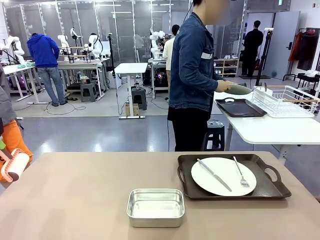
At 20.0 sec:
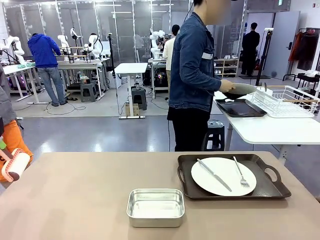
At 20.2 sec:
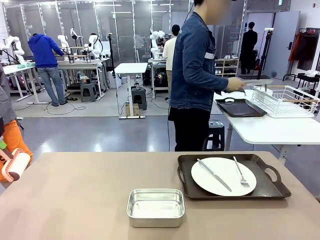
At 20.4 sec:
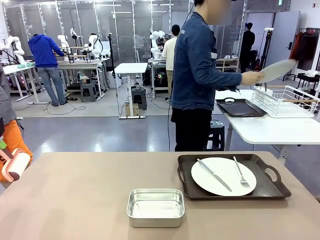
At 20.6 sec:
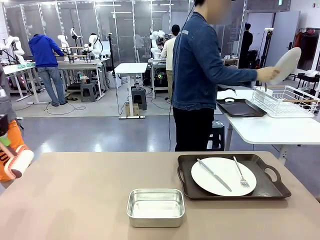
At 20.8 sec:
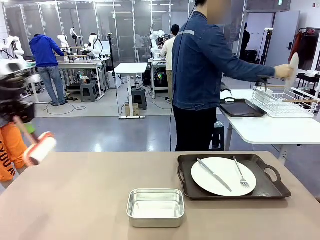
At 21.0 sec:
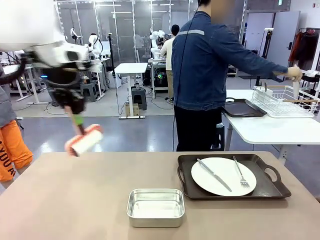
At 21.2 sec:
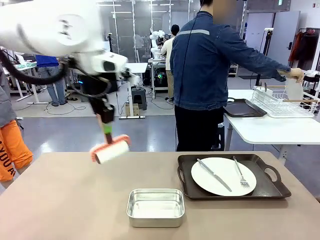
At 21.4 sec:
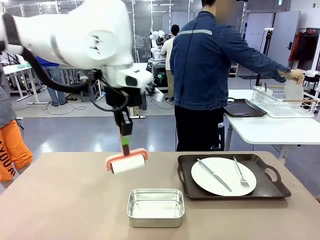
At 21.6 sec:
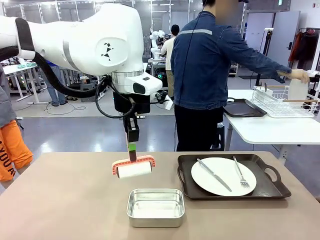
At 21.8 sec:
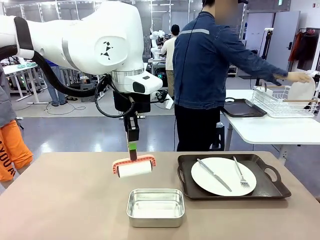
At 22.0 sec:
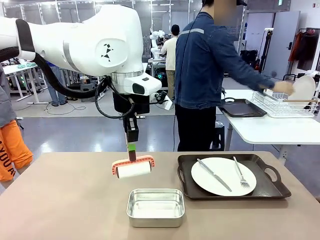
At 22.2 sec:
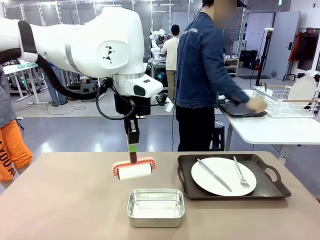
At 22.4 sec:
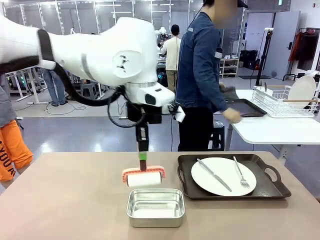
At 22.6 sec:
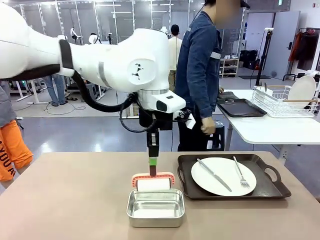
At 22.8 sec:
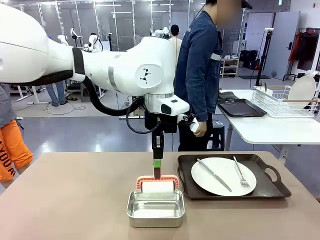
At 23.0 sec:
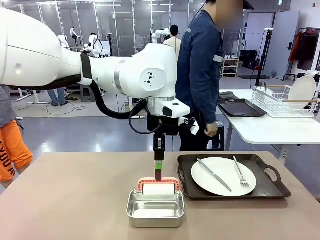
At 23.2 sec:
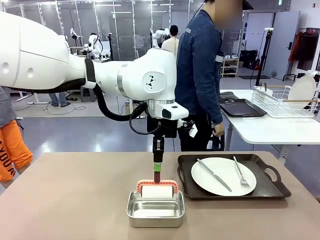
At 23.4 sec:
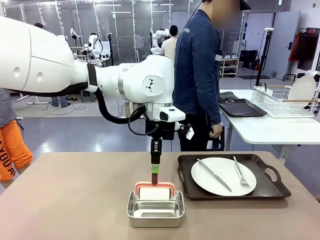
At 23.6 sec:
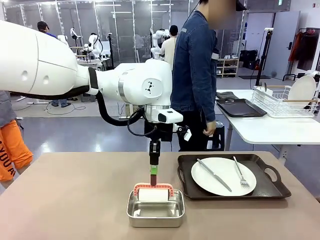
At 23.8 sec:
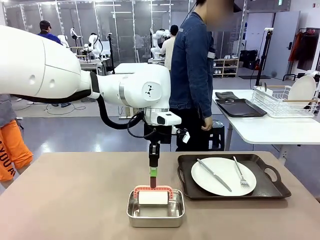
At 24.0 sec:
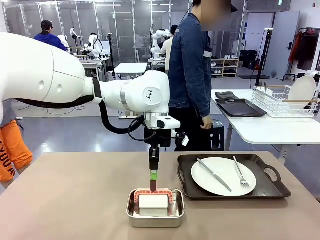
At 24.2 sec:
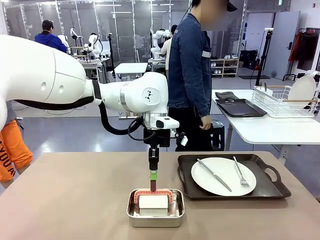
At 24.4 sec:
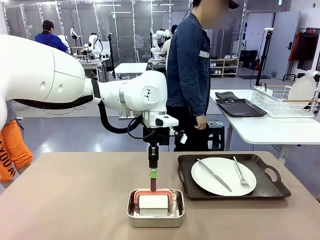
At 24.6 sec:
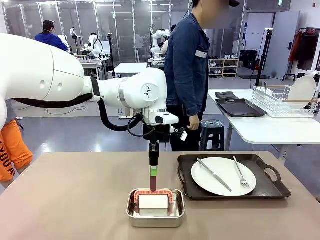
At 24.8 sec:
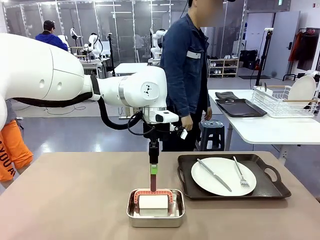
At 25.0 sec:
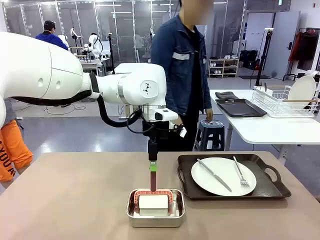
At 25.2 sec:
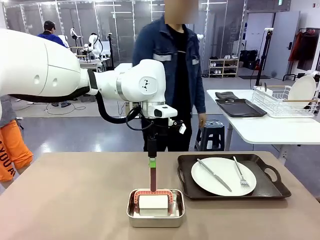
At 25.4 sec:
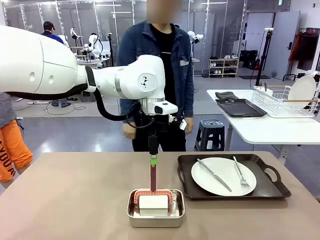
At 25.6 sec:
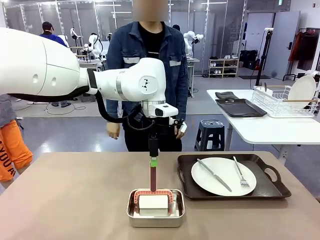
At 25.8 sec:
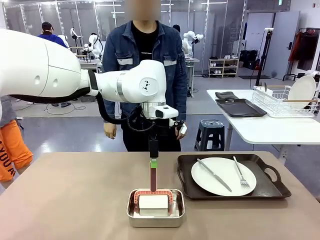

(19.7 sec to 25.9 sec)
Robot: Place the Lint Roller back on top of the Airtight Container.

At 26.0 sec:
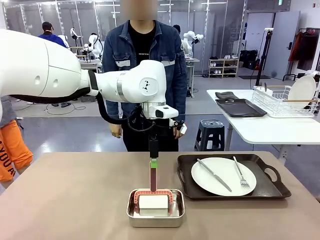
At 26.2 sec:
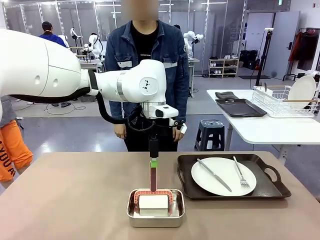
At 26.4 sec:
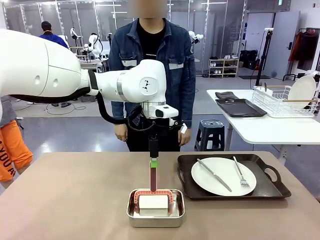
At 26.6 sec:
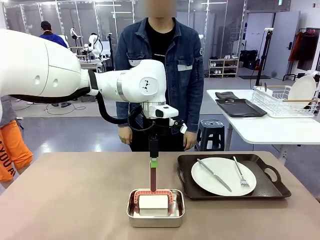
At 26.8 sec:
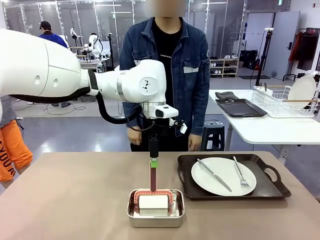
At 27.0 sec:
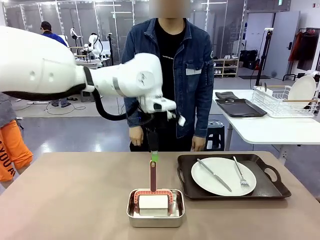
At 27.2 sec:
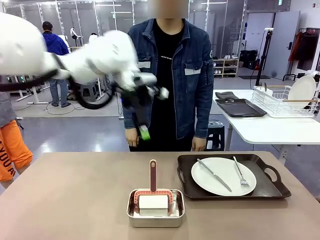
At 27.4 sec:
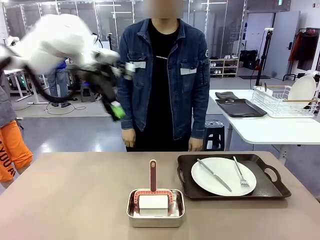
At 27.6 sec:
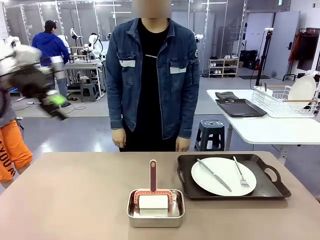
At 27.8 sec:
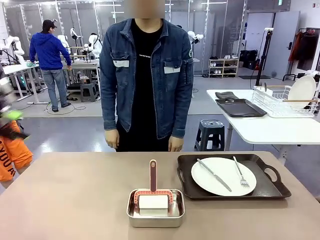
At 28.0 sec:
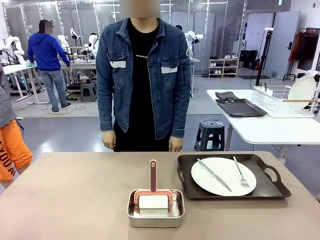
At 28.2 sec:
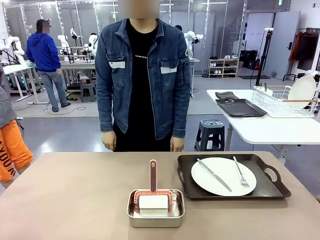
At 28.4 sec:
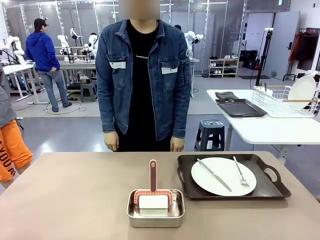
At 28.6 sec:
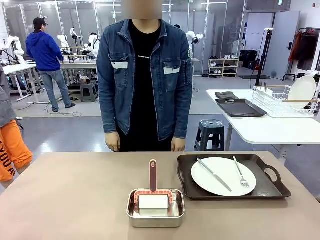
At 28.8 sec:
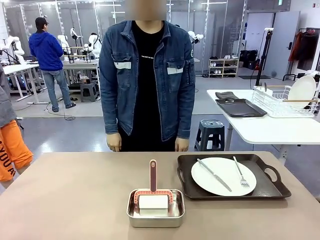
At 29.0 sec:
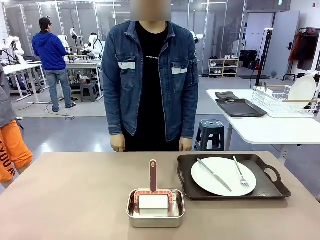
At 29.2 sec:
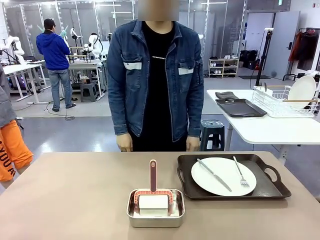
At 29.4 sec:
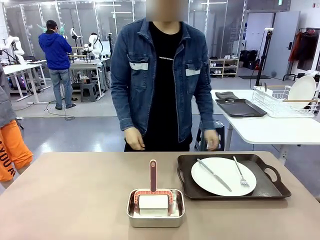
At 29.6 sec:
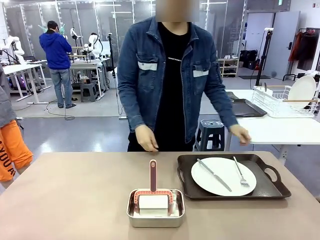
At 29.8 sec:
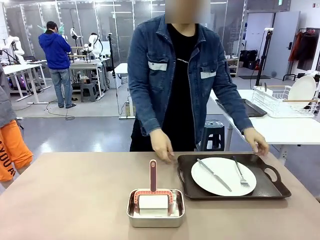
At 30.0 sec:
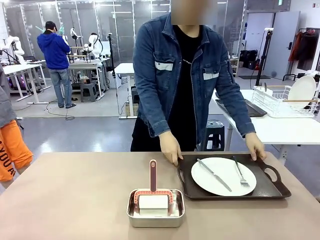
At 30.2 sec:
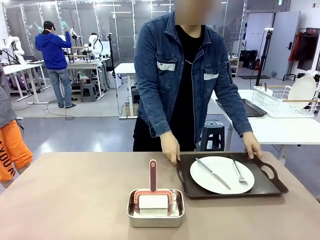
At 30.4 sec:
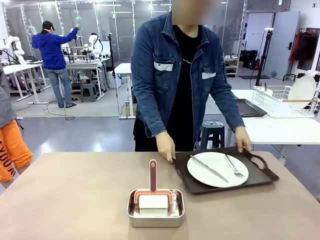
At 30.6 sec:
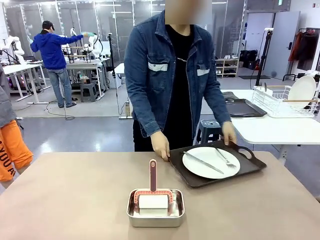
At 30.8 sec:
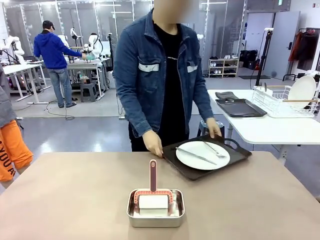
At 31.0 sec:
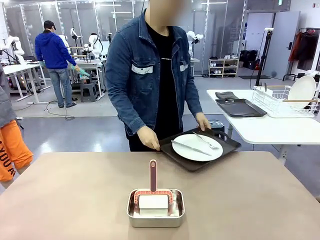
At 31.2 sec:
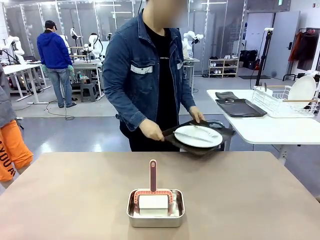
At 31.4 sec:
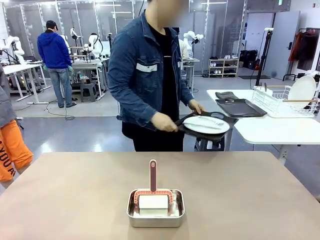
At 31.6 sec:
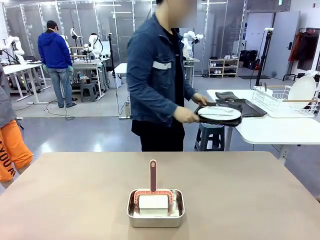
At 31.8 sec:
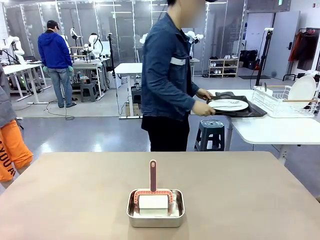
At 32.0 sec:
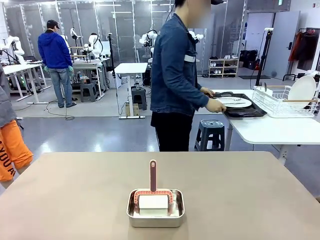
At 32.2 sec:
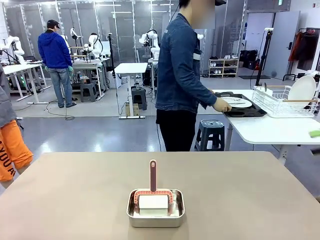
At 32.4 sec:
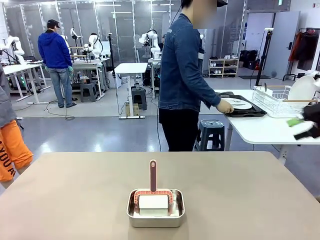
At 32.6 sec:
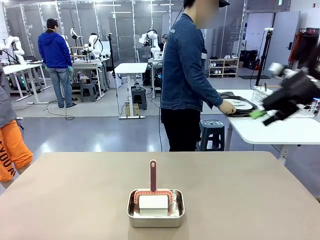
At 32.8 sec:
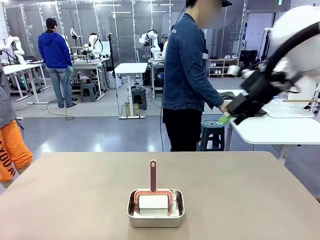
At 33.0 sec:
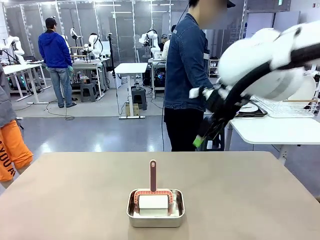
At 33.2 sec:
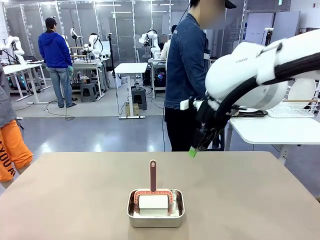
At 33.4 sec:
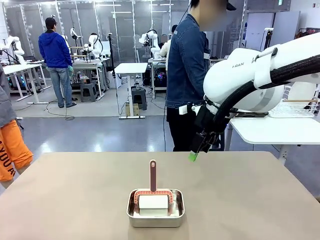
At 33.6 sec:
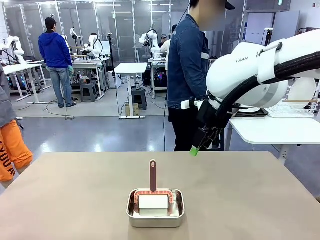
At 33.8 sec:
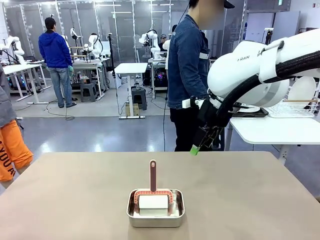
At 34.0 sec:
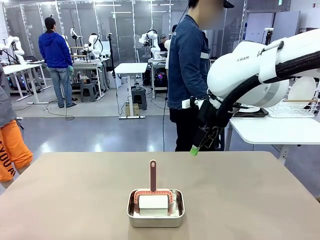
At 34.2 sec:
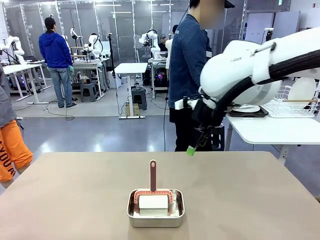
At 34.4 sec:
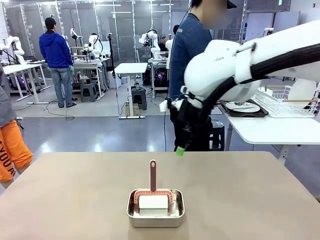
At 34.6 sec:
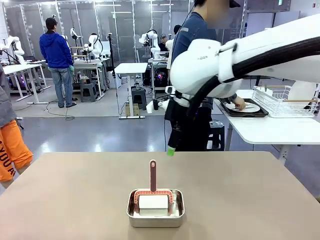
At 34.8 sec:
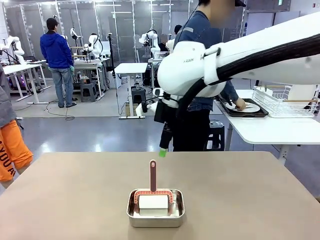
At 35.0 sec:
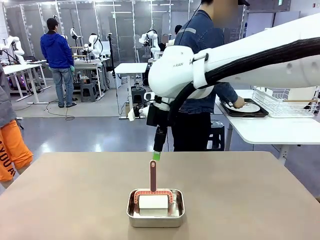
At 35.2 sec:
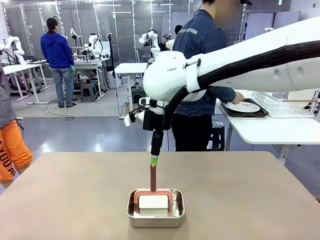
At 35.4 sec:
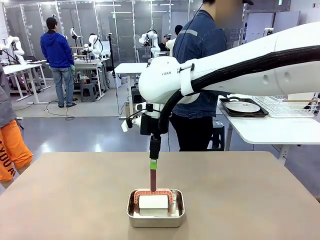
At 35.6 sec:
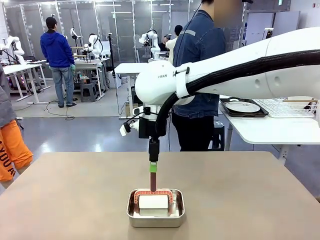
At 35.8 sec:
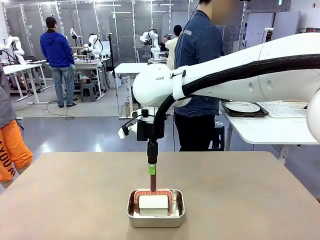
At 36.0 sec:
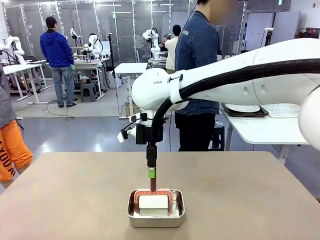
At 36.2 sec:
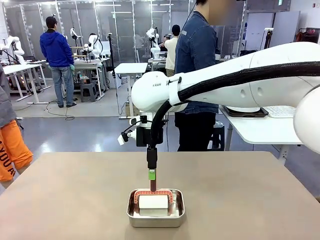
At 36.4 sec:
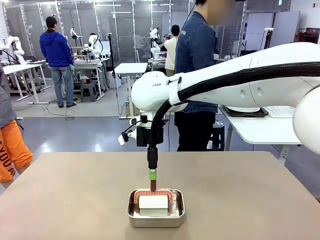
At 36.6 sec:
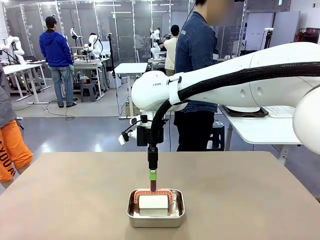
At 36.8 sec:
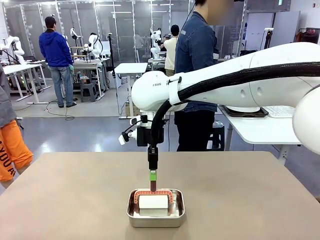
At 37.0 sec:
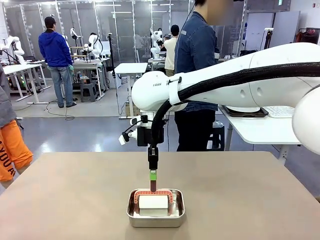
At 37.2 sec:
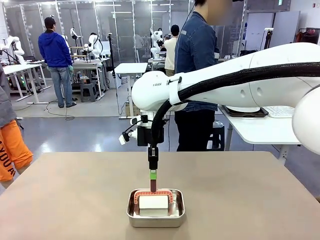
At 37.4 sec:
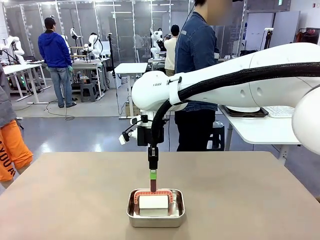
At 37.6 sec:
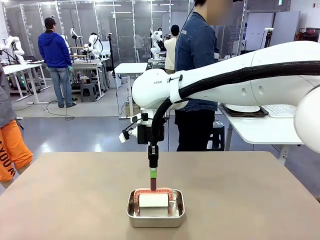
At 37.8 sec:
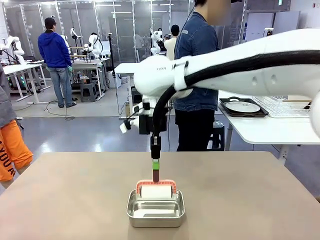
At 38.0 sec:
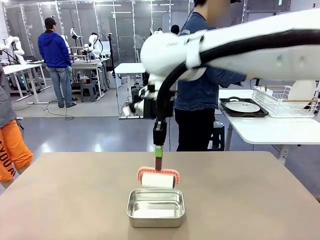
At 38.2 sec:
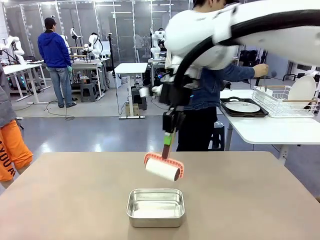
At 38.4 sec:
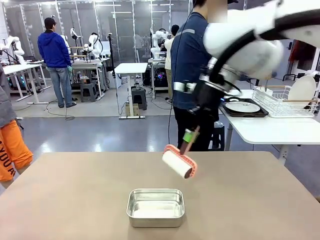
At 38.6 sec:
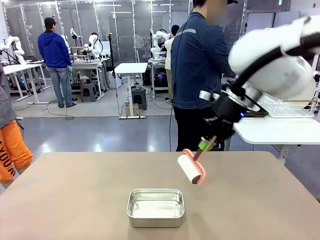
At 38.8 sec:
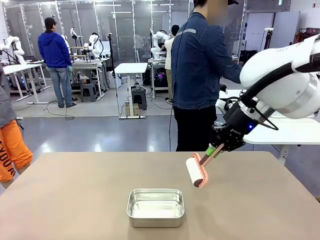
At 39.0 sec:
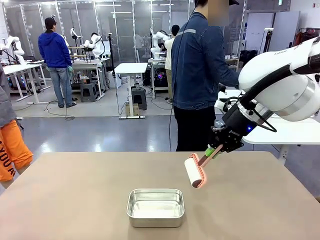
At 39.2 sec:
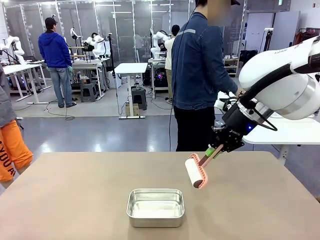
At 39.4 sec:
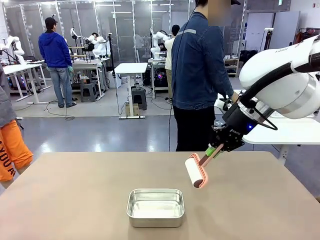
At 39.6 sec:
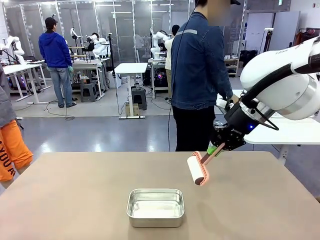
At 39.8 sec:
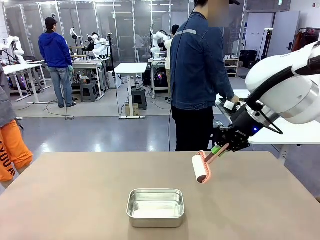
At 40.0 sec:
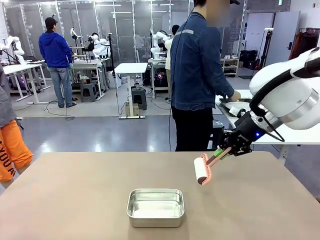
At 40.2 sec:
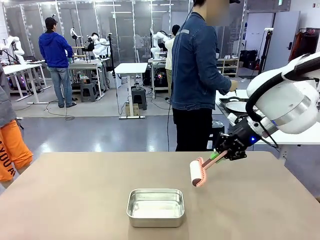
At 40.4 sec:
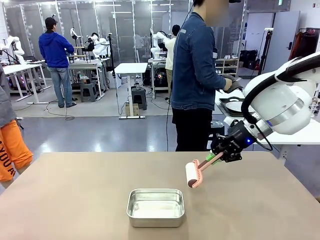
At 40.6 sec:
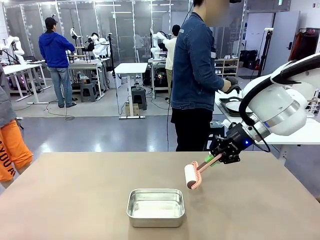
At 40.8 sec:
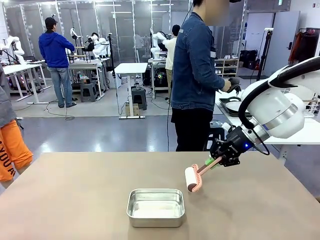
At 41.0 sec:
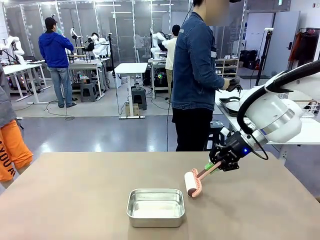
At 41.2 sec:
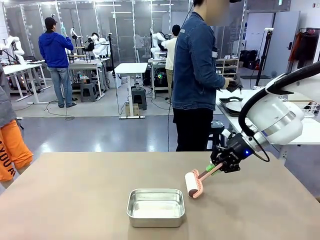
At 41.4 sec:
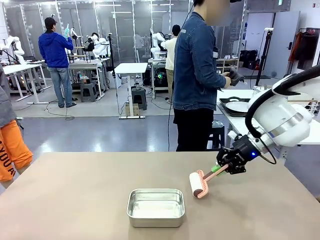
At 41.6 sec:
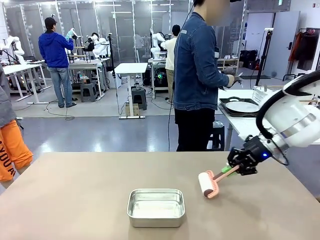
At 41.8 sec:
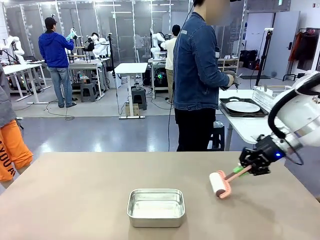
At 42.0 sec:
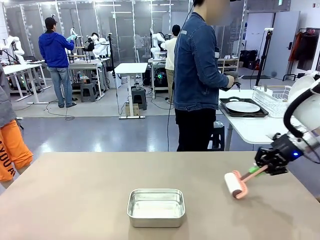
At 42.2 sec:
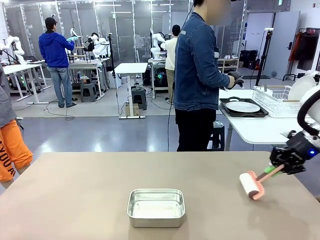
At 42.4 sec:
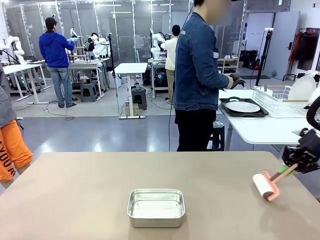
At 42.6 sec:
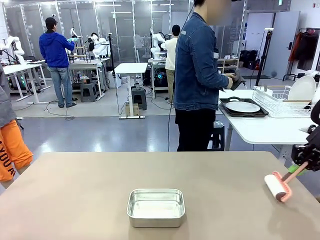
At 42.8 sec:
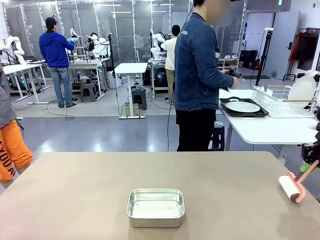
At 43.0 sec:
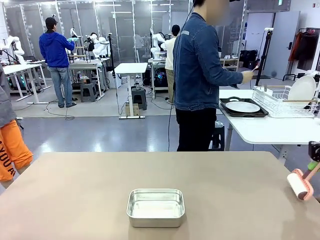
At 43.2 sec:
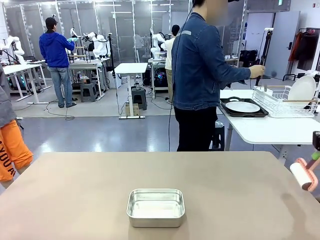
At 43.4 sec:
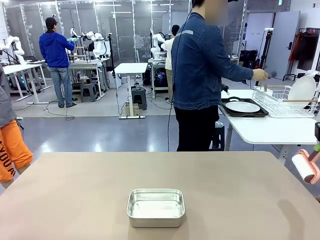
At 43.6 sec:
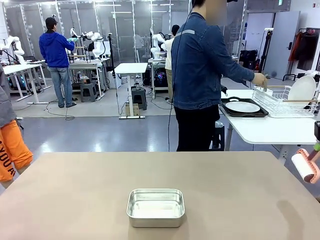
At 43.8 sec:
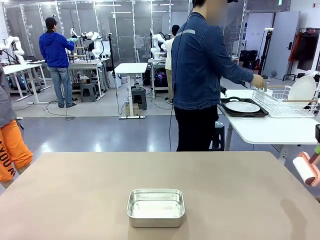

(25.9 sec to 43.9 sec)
Robot: When the right (or left) Handle tray is removed, use the right hand (or left hand) to clean the right (or left) side of the table with the Lint Roller.
Person: Pick up the left (or right) Handle tray and place it on the Handle tray.
